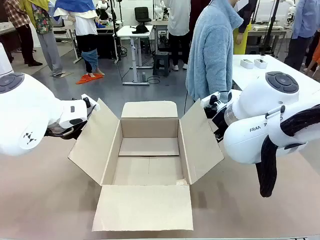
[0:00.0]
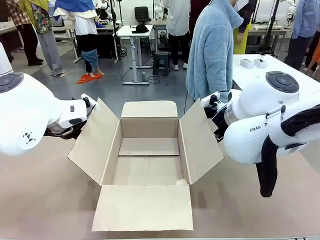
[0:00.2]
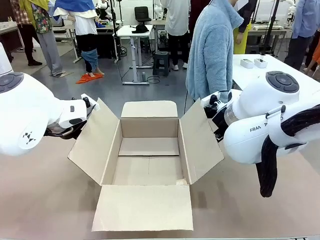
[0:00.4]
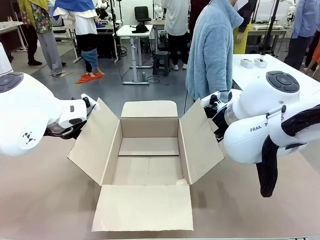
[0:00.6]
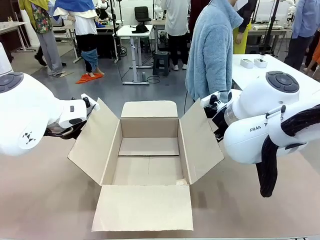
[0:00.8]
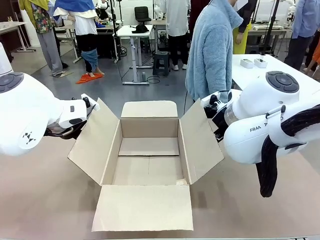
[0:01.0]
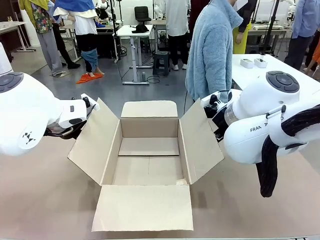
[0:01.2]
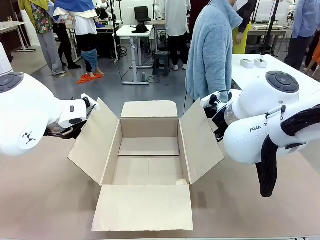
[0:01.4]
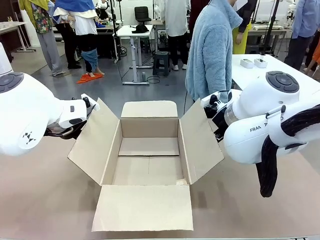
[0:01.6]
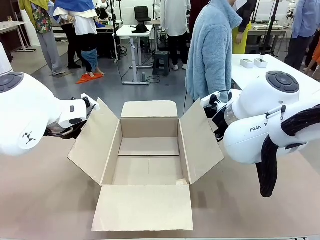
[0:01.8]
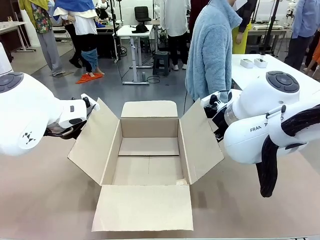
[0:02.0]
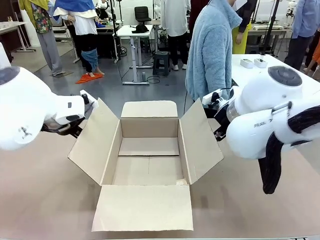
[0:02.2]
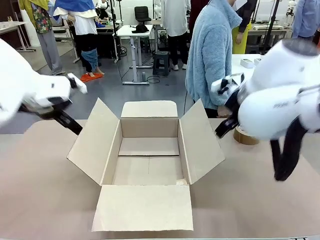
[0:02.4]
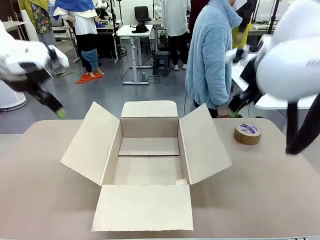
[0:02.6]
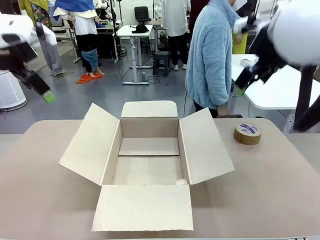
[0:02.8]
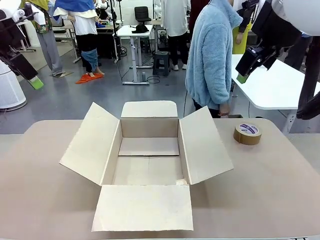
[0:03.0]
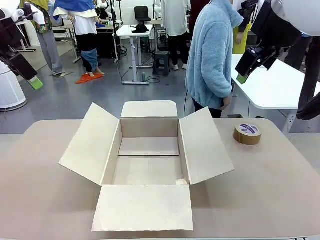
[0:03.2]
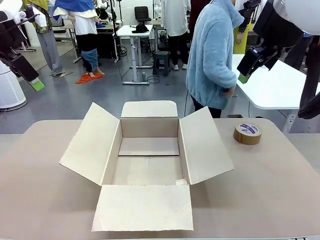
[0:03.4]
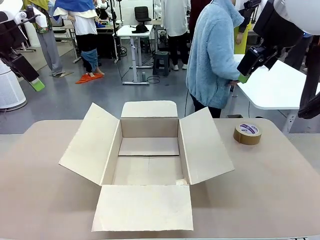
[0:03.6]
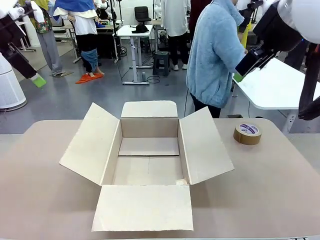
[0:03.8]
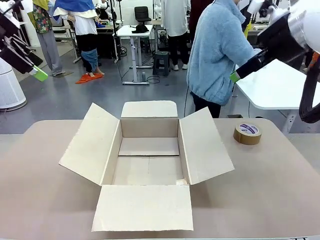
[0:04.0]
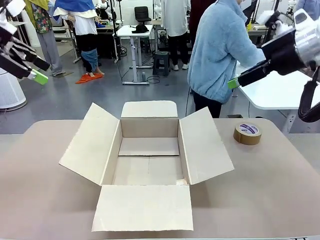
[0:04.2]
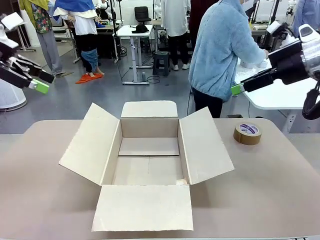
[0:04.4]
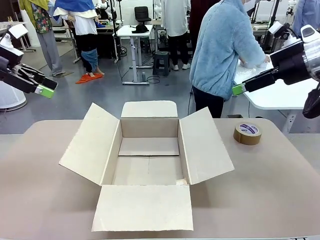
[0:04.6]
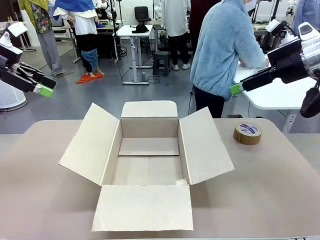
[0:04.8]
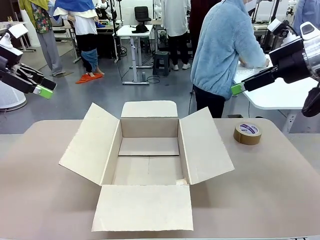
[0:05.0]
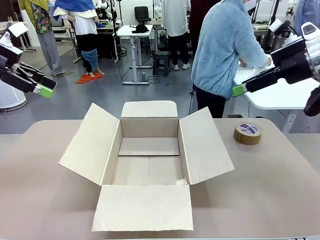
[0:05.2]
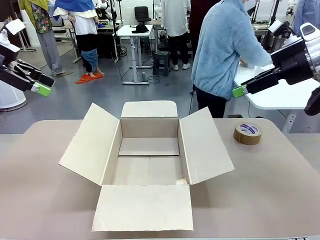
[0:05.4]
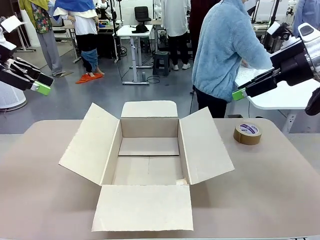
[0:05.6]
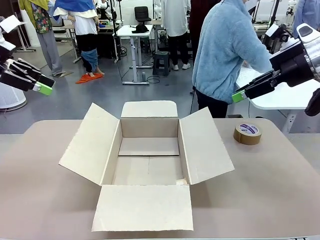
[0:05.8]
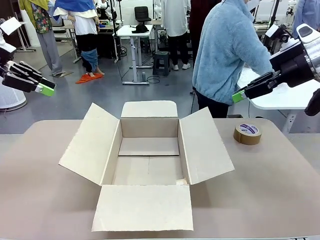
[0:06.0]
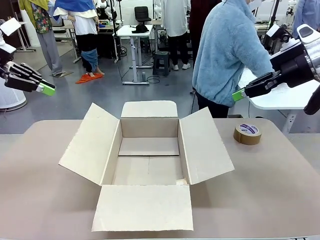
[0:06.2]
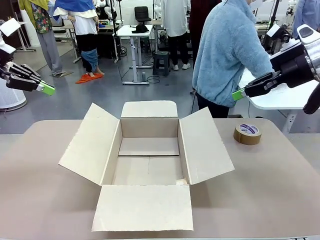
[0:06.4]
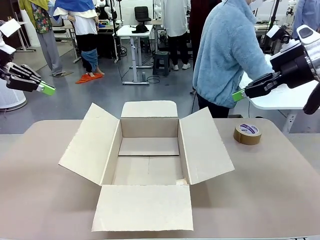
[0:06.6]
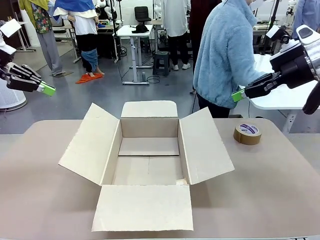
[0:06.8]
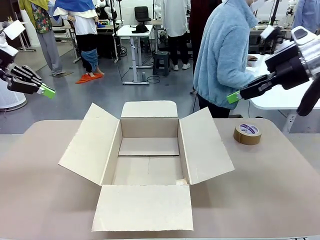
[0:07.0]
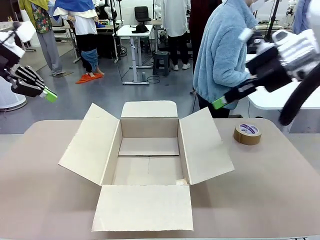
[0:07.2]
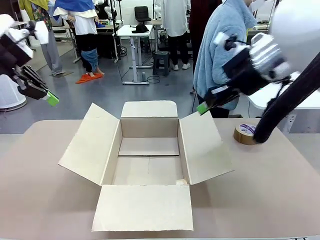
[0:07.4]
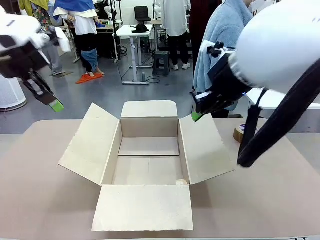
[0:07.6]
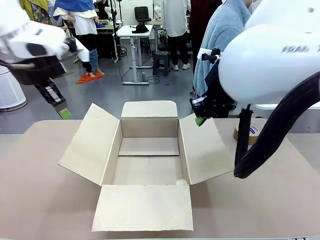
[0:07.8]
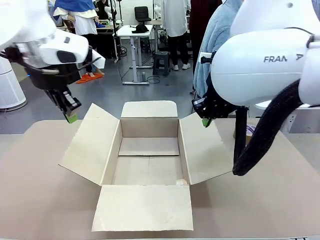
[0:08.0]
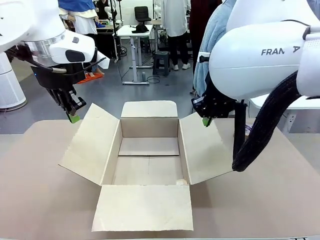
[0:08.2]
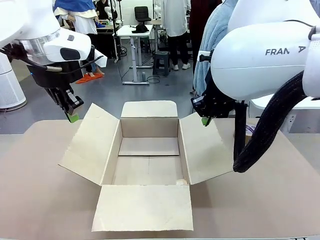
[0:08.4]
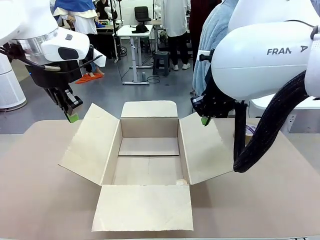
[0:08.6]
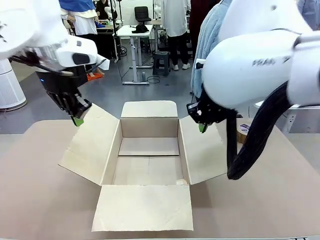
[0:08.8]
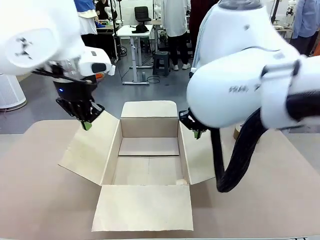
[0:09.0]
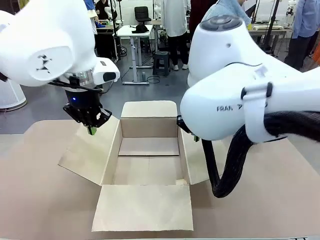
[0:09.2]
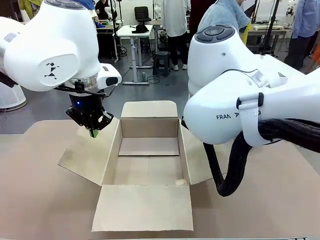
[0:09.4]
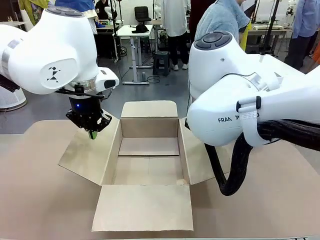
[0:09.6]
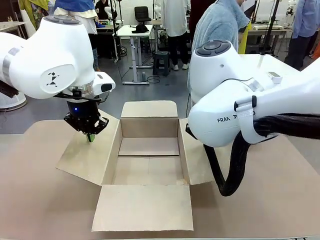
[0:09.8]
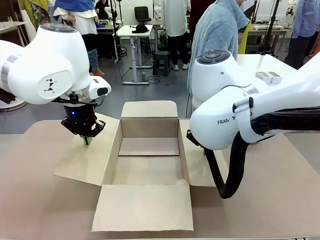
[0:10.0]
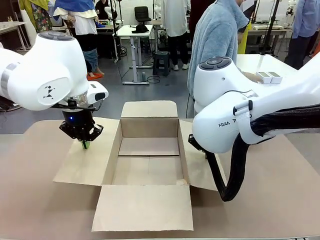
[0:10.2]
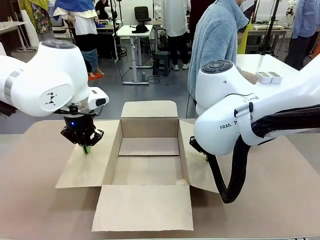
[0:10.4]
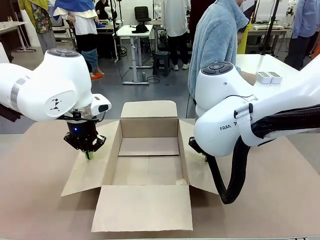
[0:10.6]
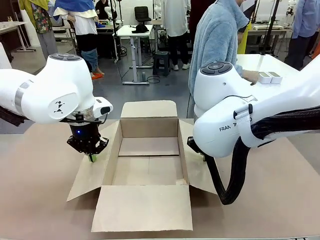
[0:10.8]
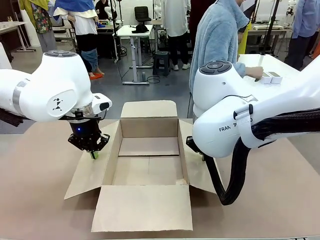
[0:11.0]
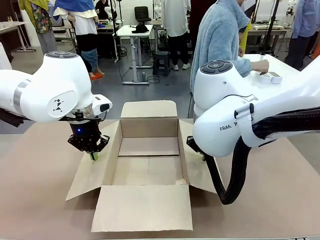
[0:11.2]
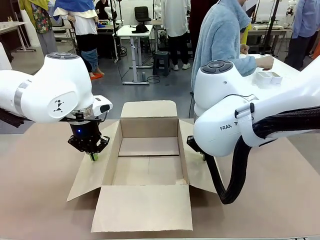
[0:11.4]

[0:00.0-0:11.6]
Task: Wrap the clocks to prevent damage.
Robot: Open the side flaps of the Package Box.

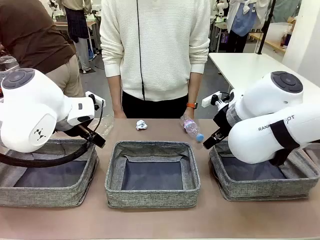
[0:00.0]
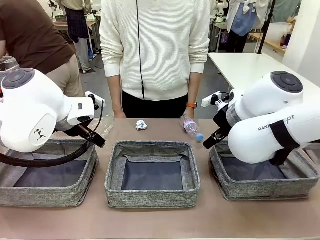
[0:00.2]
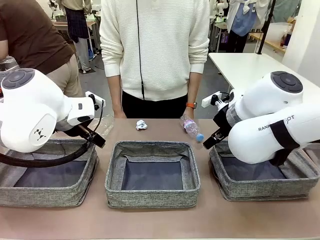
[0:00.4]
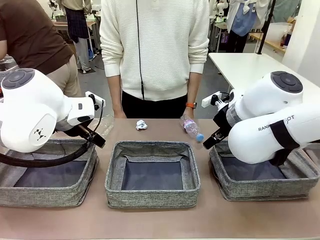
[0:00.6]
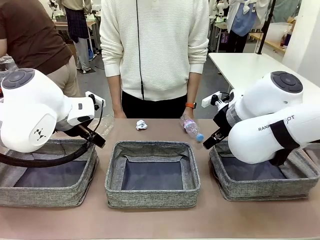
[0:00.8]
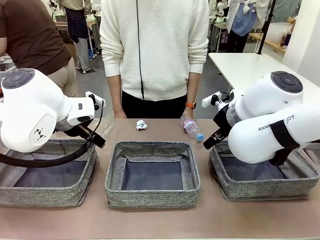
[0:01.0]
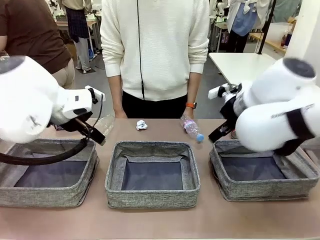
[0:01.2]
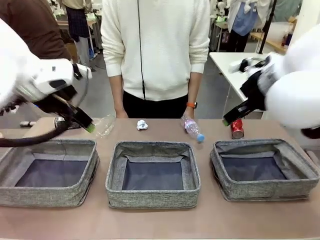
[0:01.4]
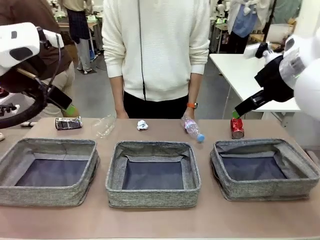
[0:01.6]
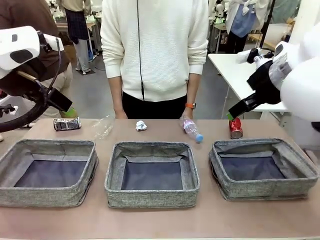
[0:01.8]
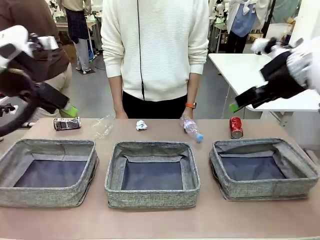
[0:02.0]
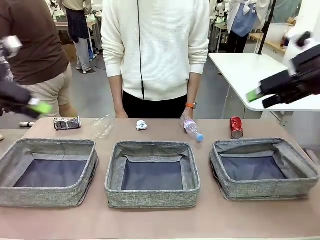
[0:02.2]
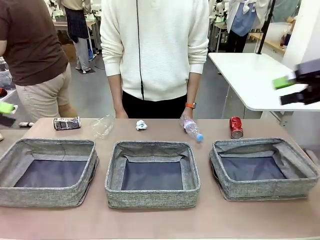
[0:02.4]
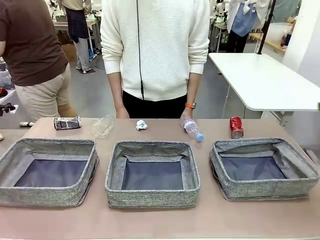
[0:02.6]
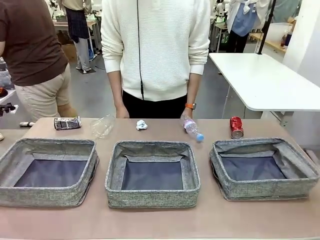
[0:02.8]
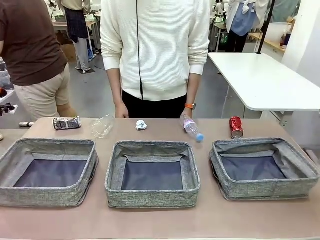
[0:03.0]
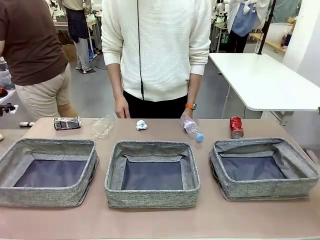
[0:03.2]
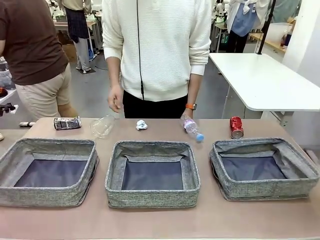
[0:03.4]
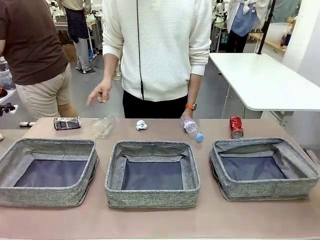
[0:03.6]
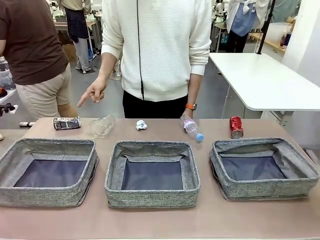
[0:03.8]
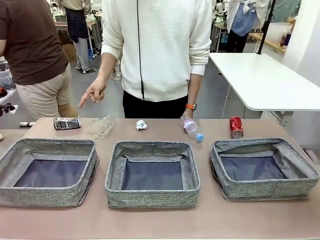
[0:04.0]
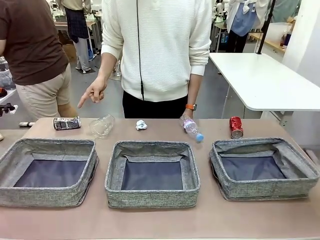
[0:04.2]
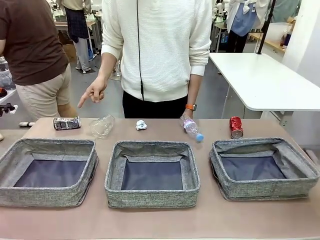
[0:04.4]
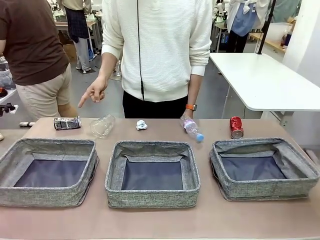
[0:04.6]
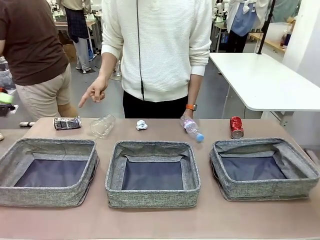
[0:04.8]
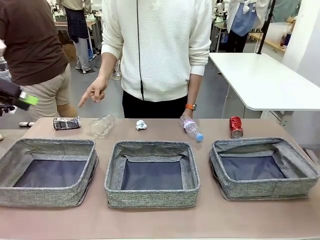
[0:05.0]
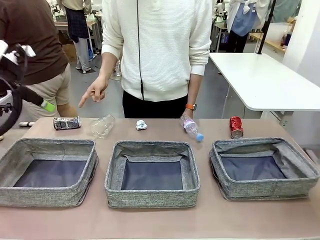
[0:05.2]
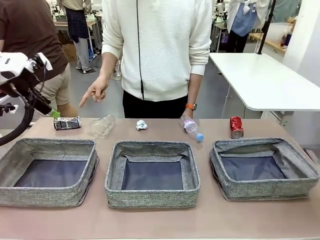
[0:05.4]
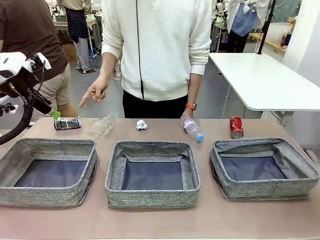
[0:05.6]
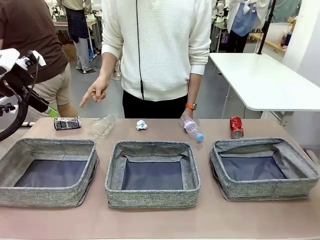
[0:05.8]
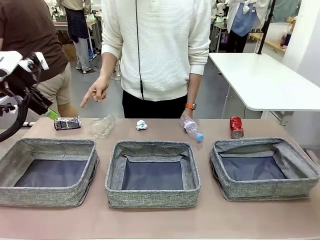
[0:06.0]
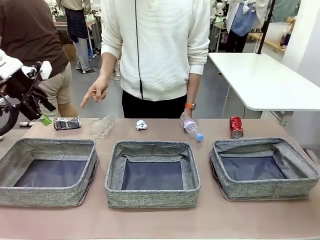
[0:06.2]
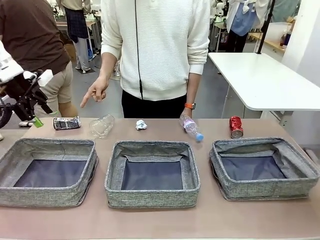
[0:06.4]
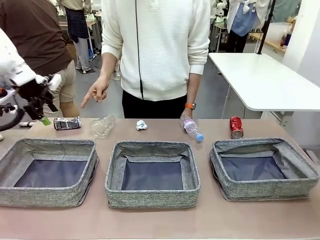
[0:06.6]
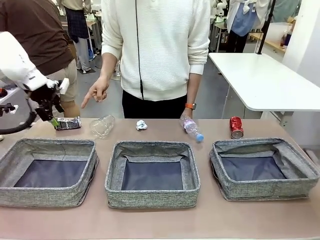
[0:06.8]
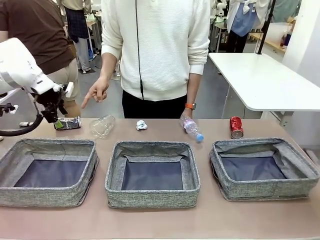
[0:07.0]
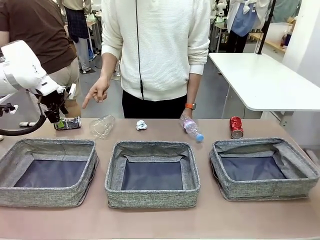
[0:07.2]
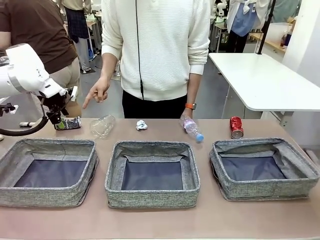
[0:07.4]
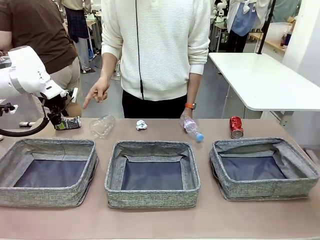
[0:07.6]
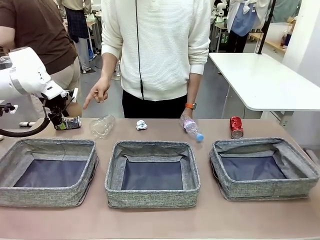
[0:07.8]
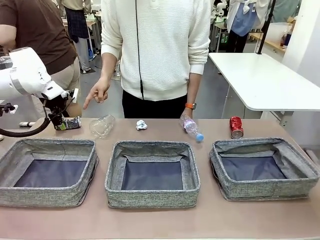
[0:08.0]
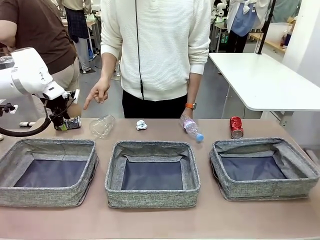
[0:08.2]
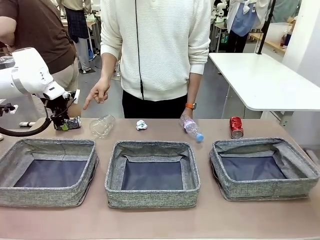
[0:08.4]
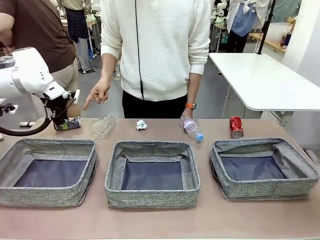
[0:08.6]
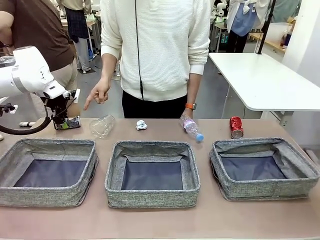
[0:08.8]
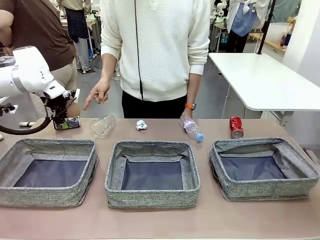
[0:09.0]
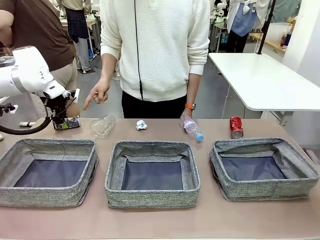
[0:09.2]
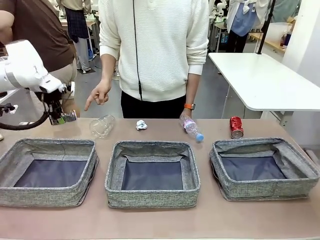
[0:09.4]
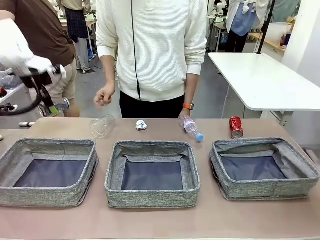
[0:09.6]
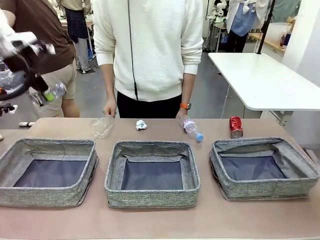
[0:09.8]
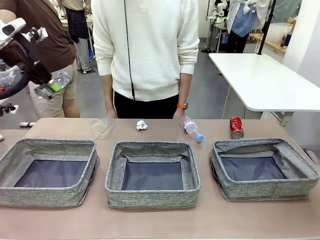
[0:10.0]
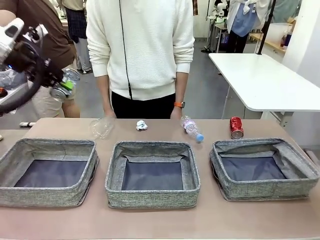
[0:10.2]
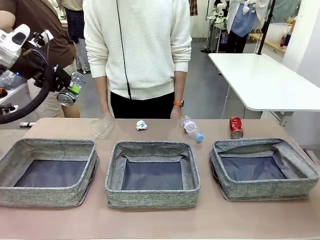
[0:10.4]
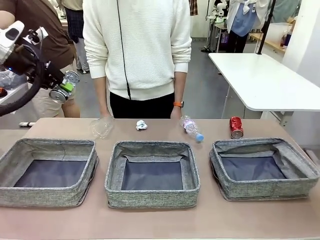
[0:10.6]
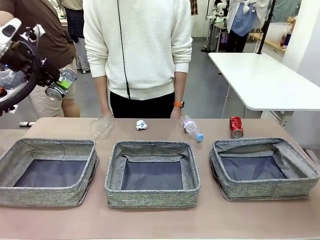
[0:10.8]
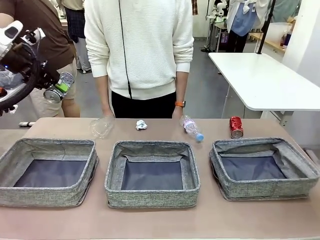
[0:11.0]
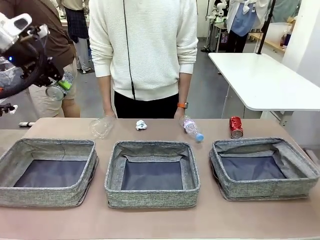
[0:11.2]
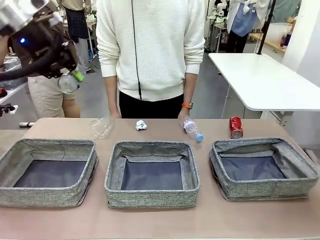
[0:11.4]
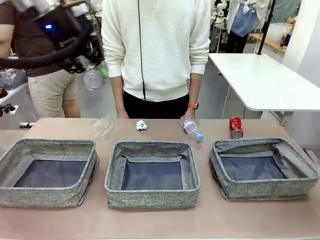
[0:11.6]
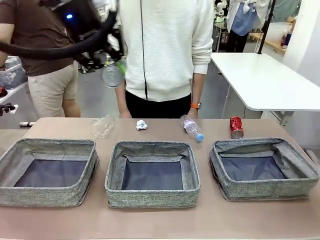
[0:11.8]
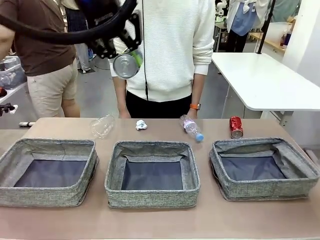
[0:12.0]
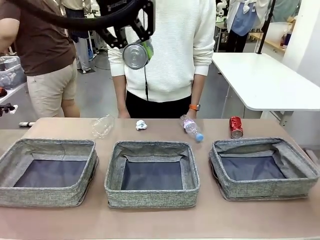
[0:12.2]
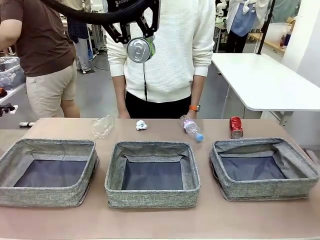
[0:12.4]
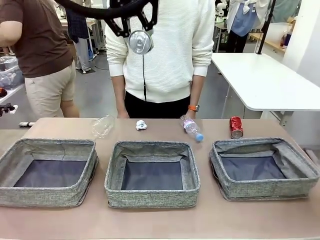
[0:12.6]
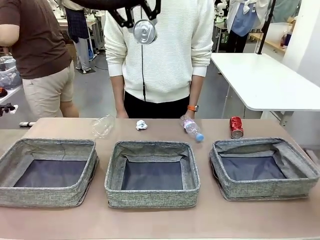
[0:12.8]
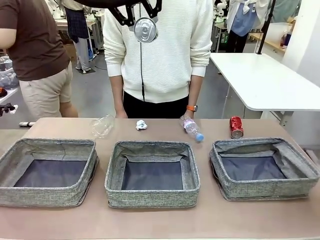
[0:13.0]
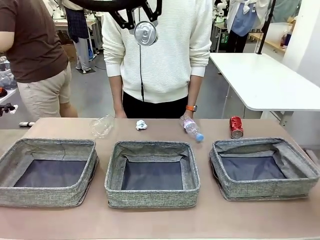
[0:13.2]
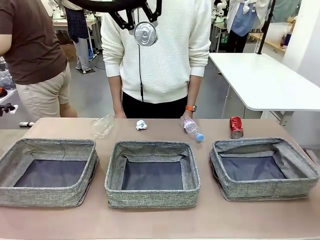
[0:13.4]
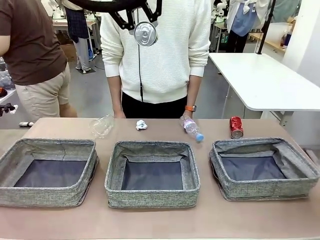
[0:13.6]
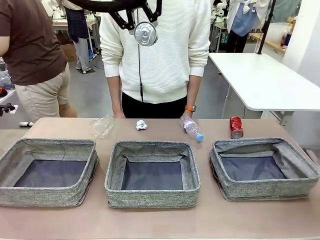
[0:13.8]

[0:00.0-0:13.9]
Task: Sort the waste into the appropriate baskets.
Robot: Pick up the waste item pointed out by the person.
Person: Points to one piece of trash on the table.
